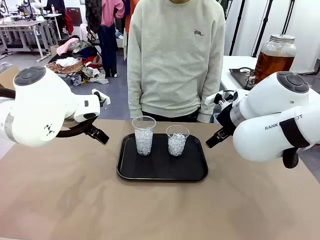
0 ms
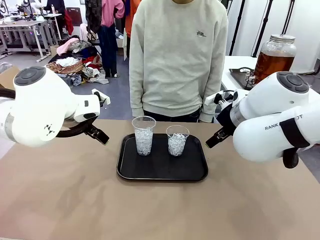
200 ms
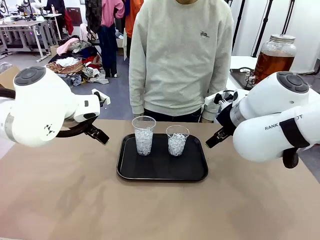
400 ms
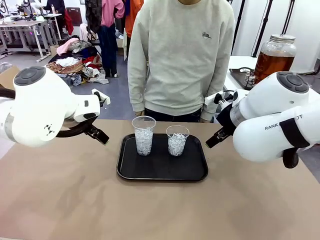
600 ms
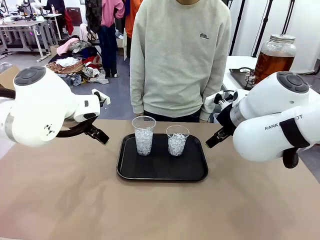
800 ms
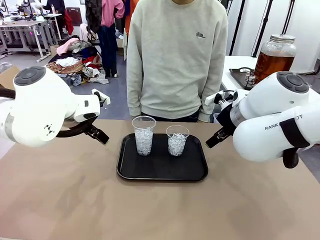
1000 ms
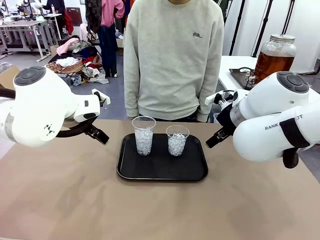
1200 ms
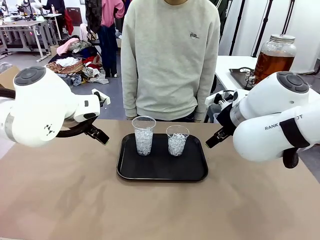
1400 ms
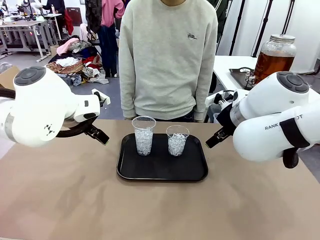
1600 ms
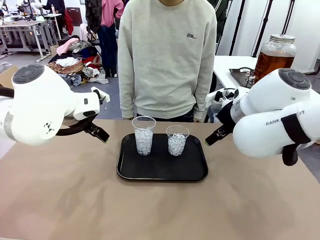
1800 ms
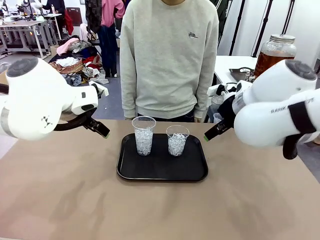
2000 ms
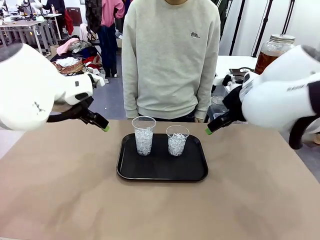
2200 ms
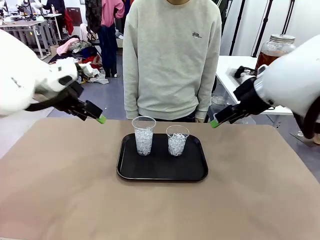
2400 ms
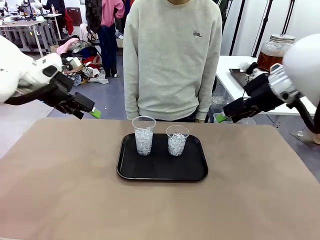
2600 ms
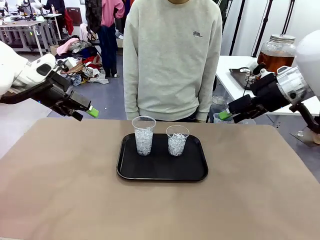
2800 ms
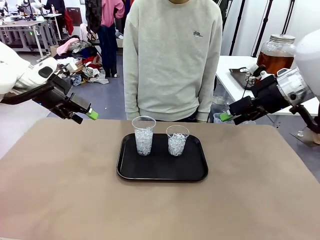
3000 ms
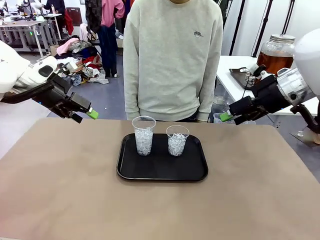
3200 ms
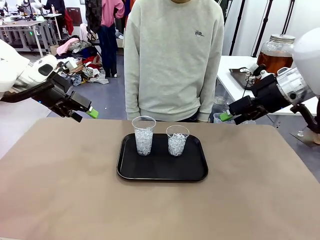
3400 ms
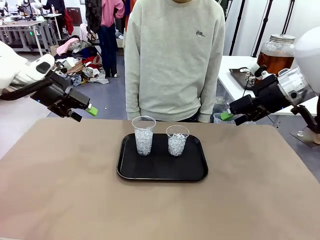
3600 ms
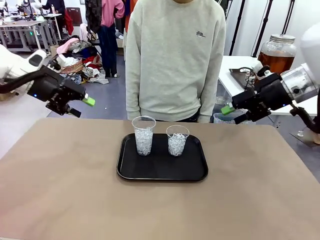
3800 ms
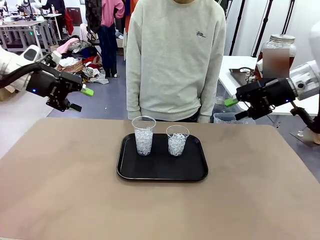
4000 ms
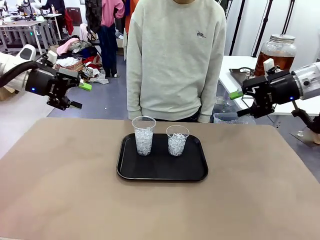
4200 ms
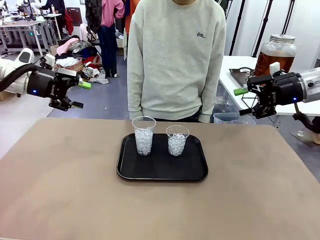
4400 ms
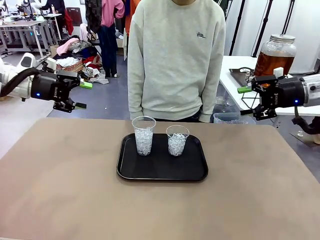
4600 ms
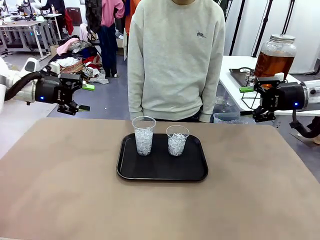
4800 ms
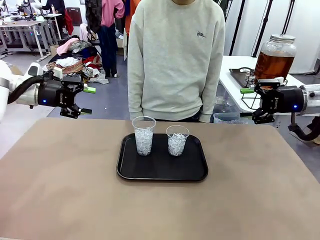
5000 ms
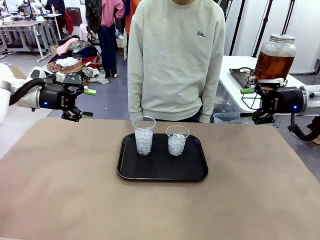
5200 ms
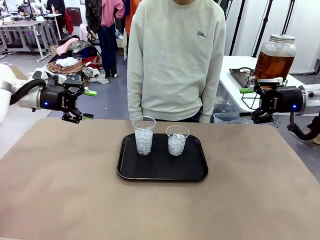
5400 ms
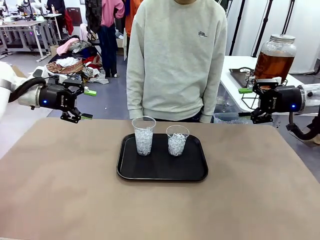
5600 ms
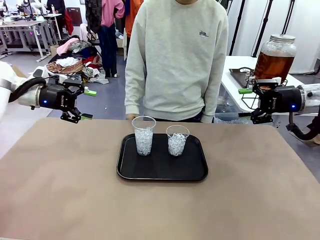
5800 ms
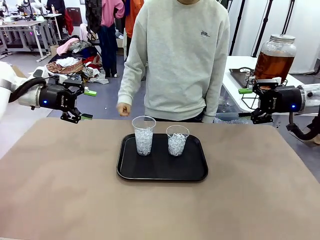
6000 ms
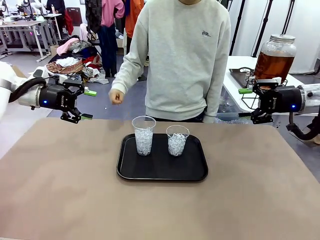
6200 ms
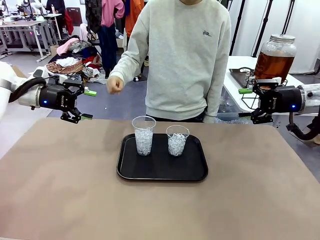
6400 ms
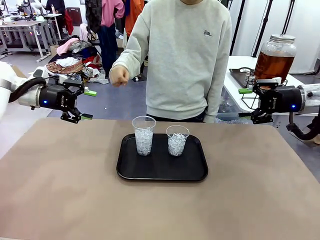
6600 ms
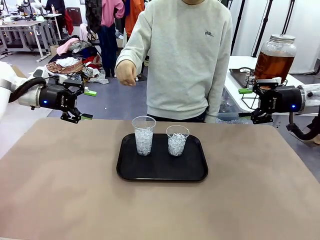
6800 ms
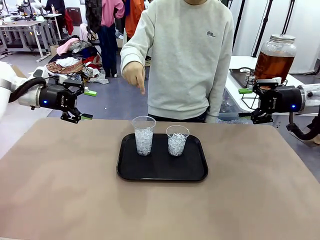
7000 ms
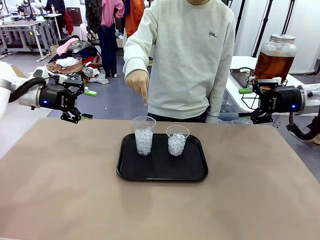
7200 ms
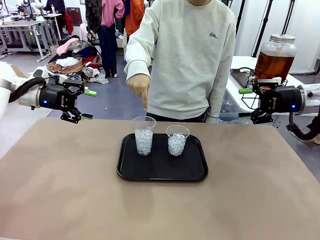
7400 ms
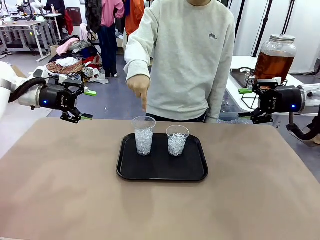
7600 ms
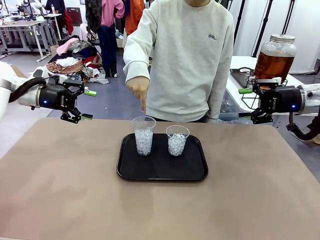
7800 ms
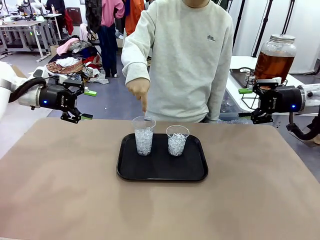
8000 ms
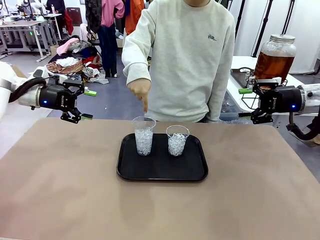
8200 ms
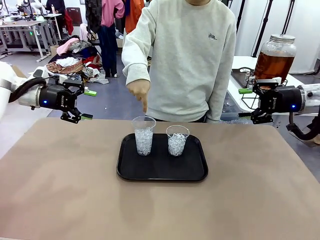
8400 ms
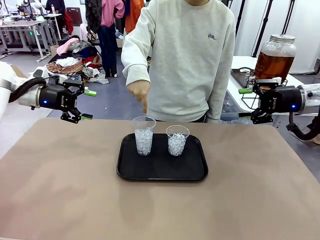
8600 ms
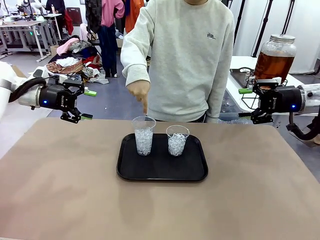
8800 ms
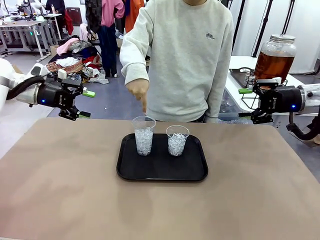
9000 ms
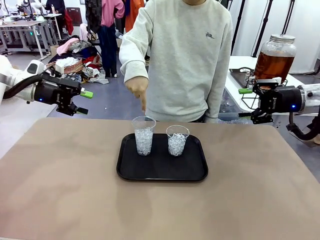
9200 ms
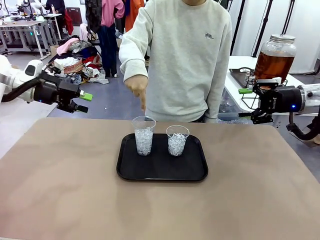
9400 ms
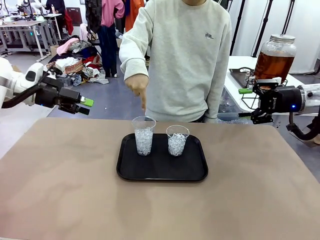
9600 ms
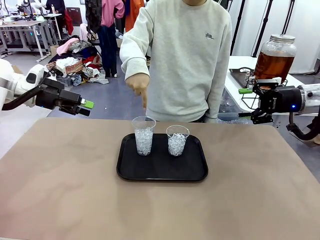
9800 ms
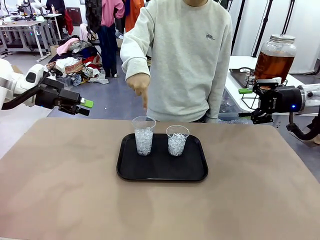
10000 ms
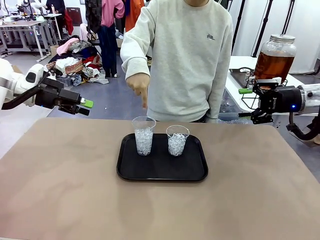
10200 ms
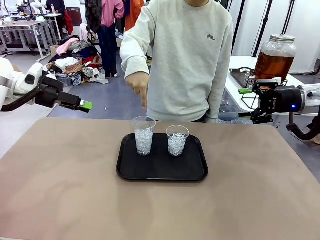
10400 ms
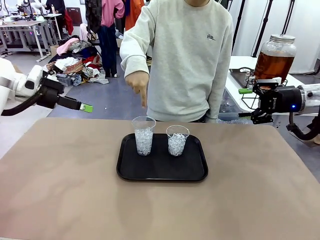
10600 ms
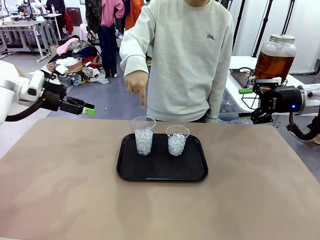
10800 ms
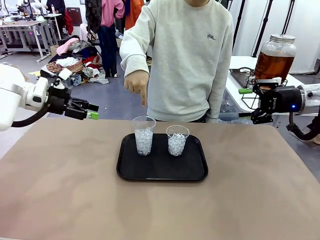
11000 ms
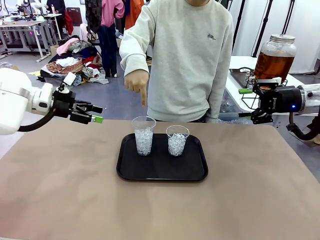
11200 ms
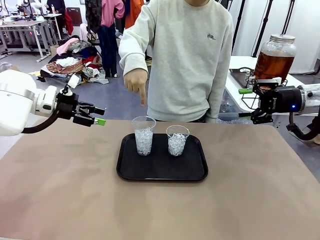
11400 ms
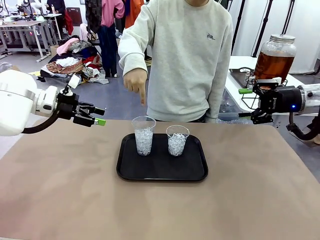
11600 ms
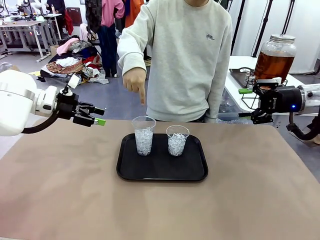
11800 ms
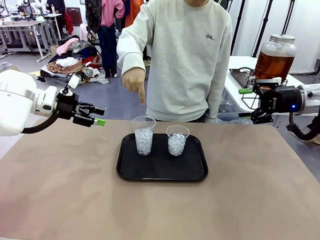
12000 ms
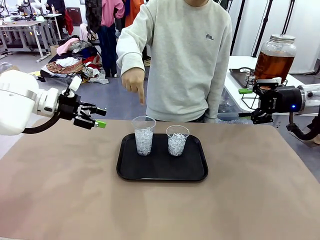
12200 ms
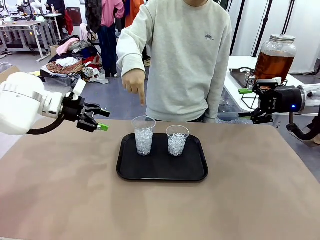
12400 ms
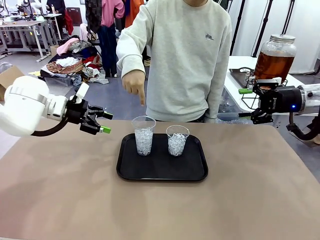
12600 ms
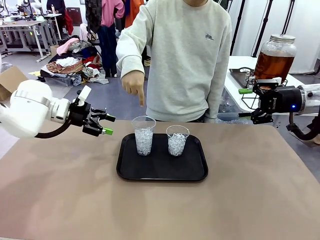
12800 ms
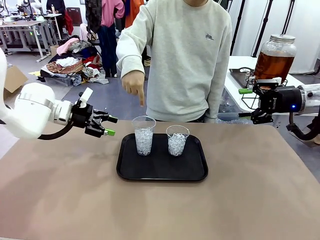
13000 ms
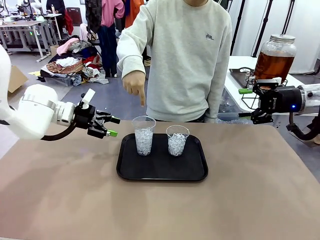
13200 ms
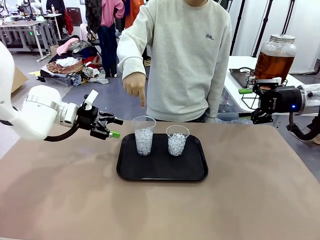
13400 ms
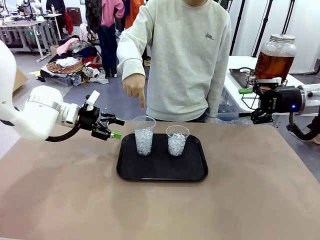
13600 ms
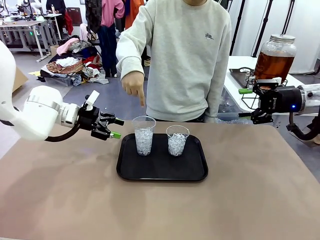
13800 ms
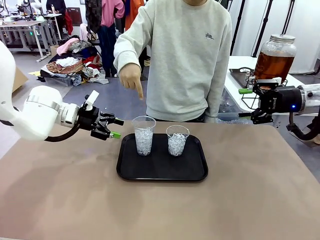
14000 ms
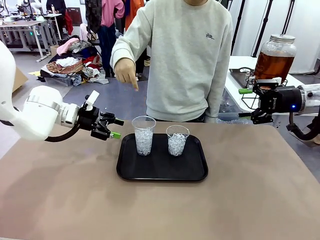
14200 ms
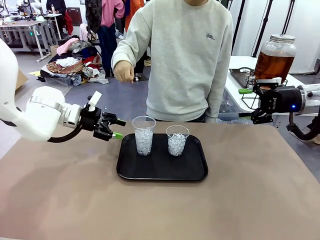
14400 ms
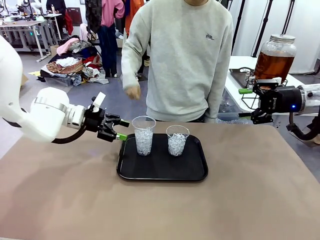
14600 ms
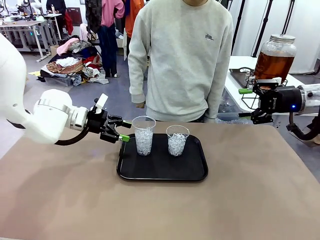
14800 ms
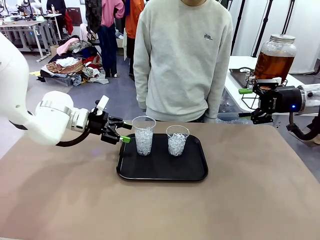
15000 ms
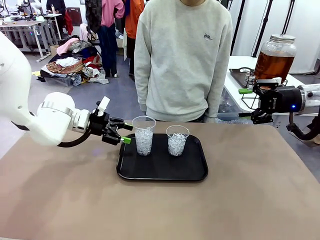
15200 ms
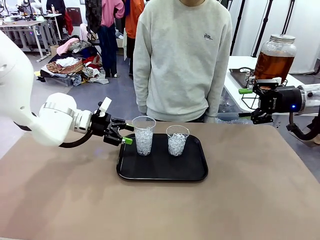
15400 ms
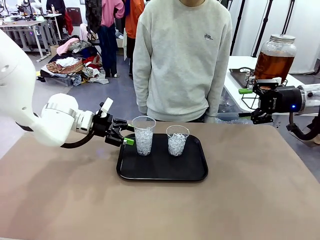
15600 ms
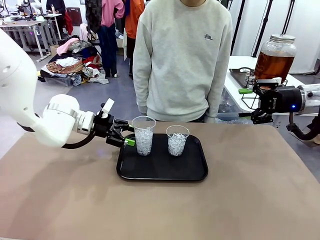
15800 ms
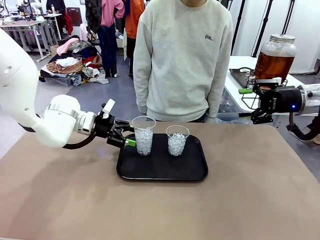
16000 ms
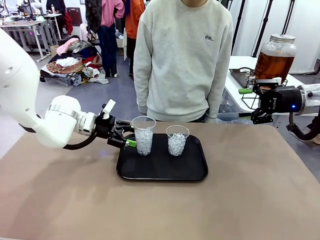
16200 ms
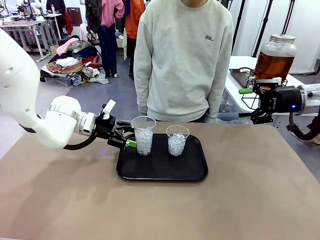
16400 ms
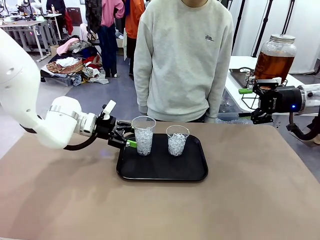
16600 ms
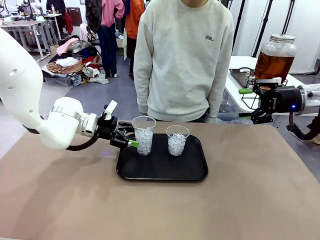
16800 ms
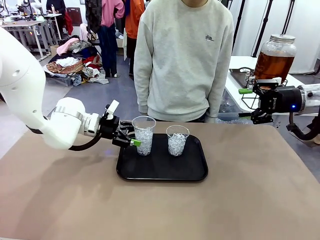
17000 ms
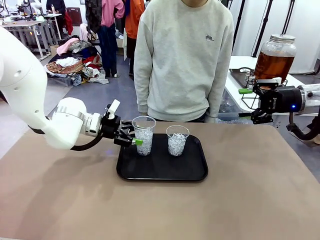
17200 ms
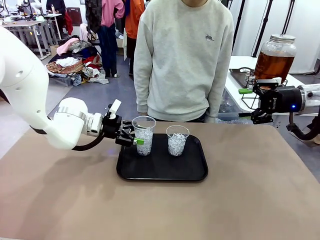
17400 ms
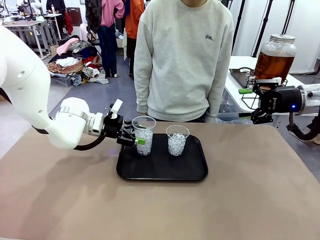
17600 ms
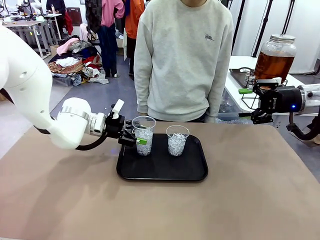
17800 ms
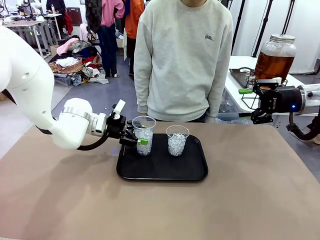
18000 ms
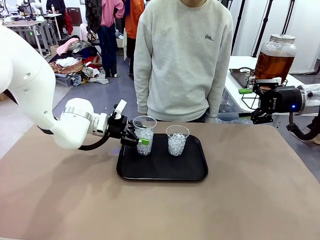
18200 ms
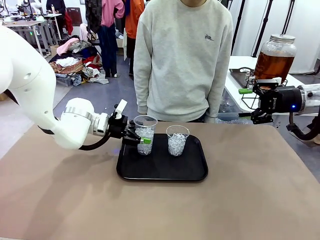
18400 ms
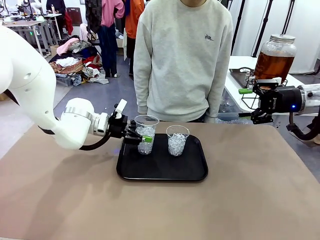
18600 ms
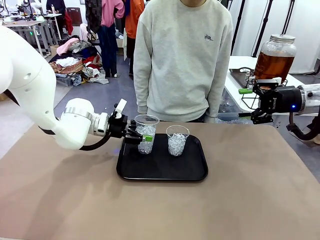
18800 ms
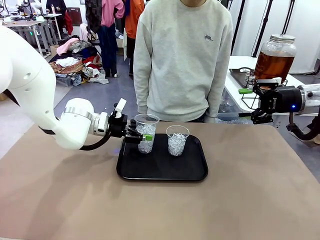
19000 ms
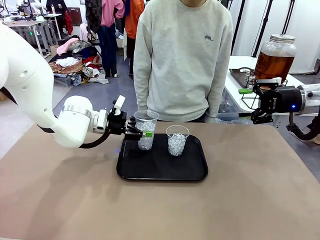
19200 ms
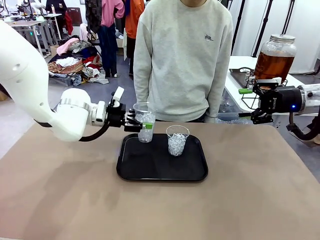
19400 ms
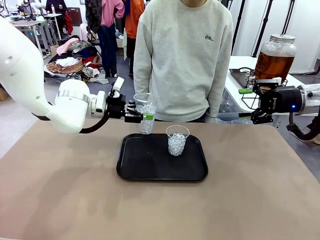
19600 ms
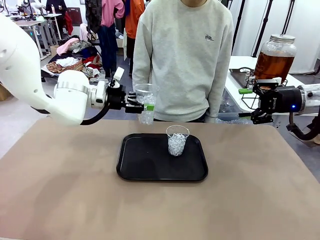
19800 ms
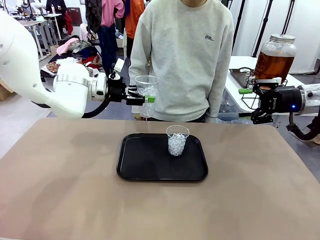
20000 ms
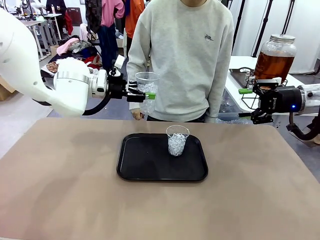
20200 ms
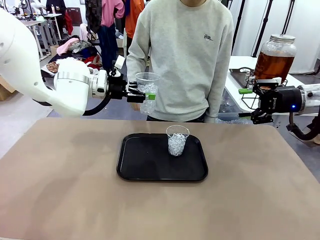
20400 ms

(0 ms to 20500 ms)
Task: Pour the drink into the iced cup.
Robot: Pick up the iced cup indicated by the human and present it to them.
Person: Point to one of the two ice cups. Pick up the cup offered by the robot.

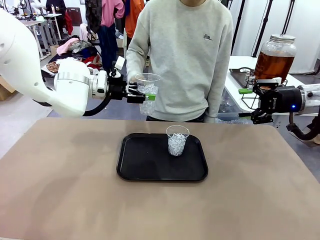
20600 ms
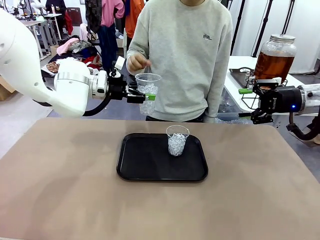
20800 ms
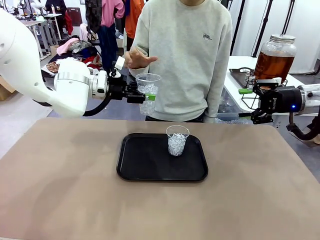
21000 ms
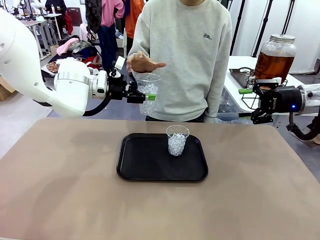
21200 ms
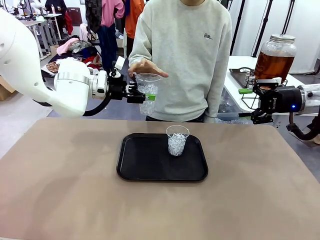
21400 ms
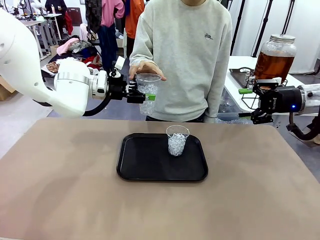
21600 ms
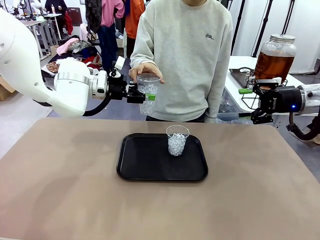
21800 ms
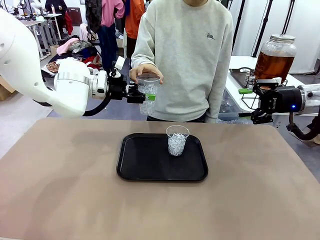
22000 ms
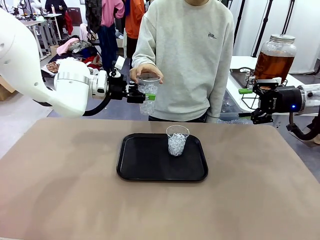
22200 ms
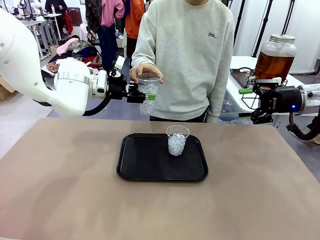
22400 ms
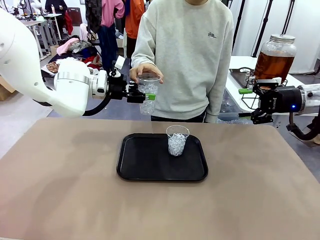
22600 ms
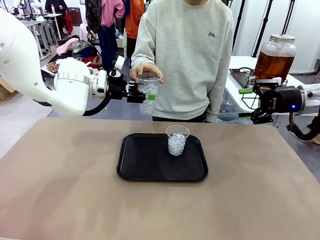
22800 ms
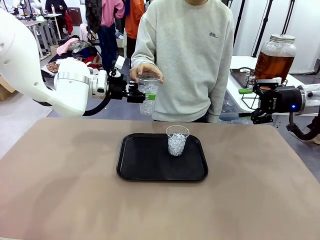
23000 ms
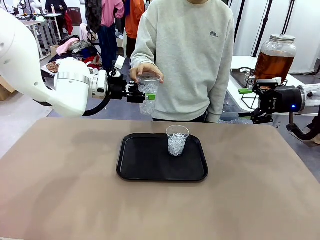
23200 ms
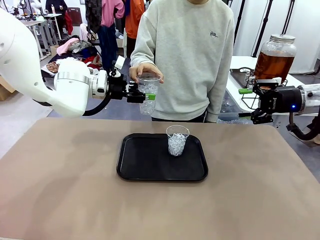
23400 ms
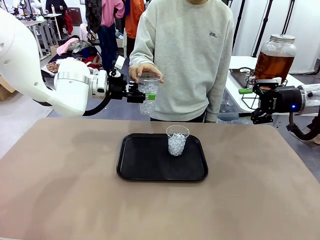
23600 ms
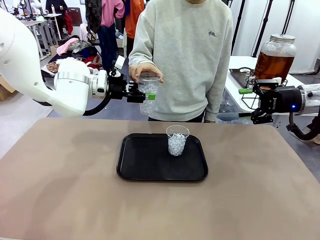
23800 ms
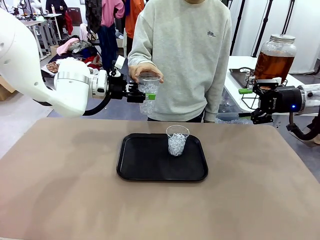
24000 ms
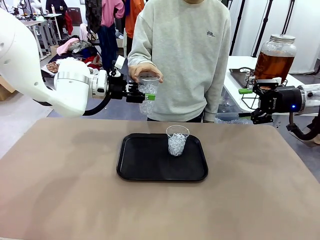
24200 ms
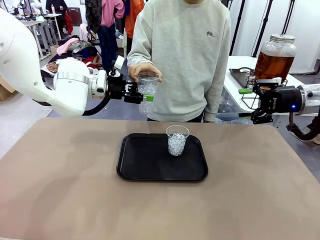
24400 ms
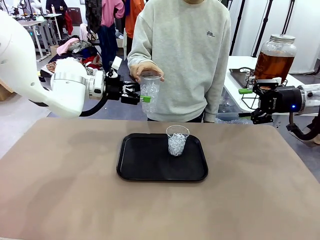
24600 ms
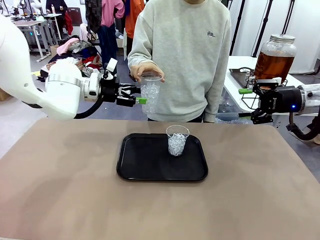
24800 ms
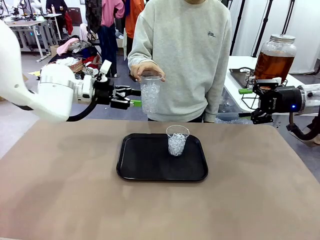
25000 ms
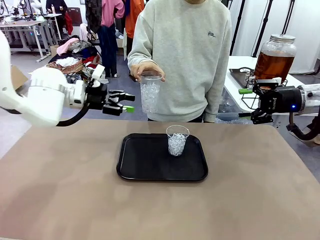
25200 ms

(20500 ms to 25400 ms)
Robot: Open the gripper to release the iced cup you were holding.
